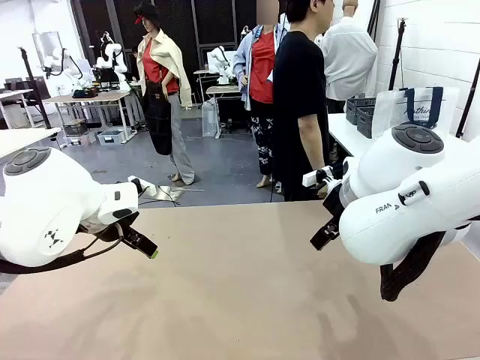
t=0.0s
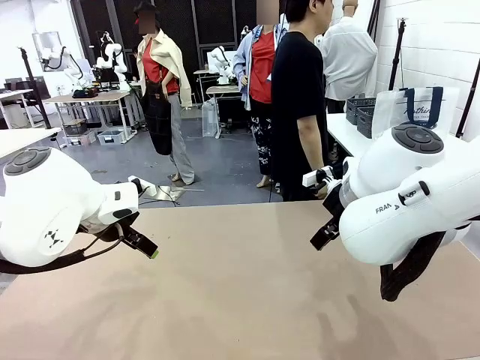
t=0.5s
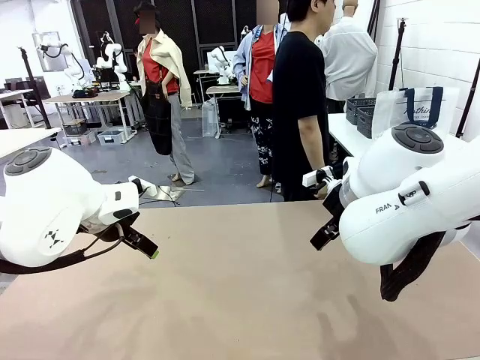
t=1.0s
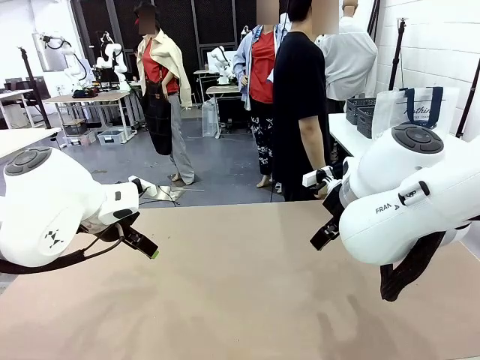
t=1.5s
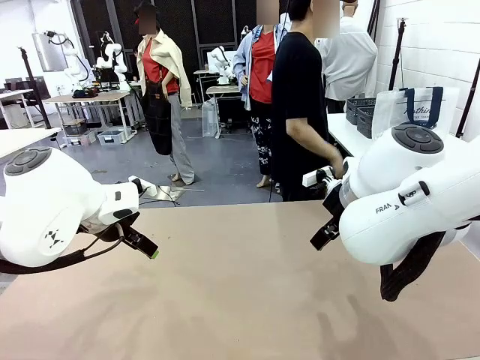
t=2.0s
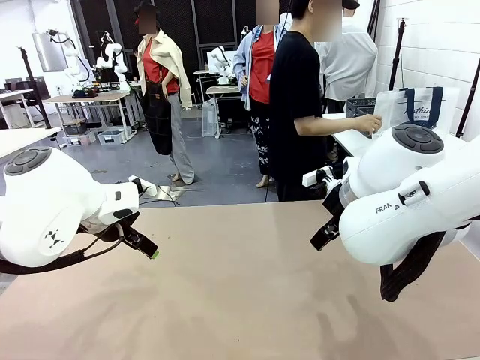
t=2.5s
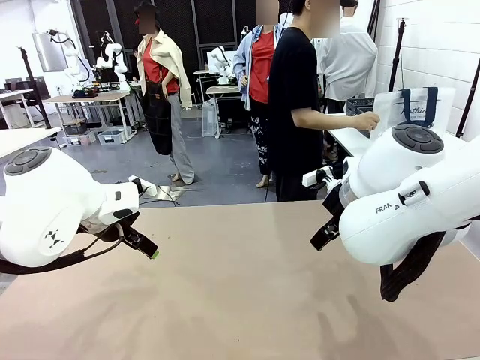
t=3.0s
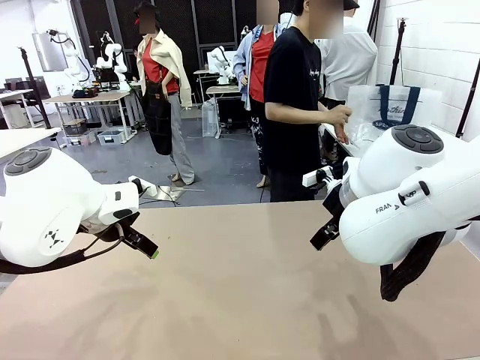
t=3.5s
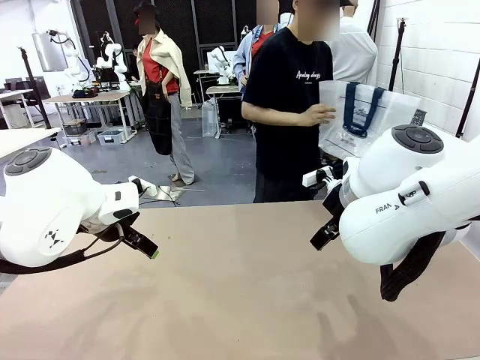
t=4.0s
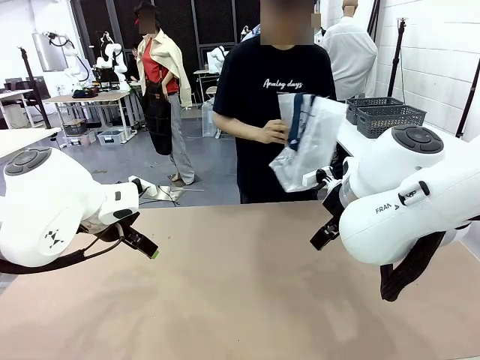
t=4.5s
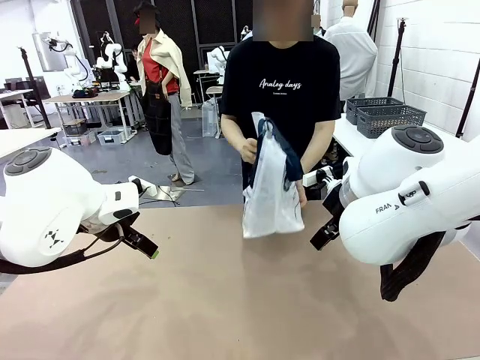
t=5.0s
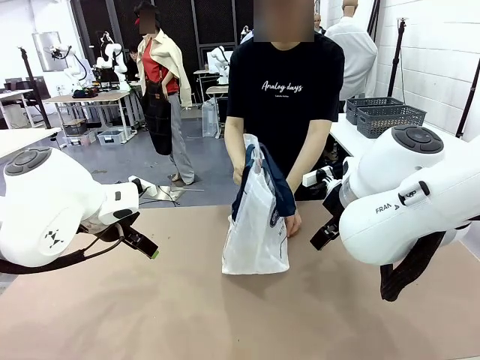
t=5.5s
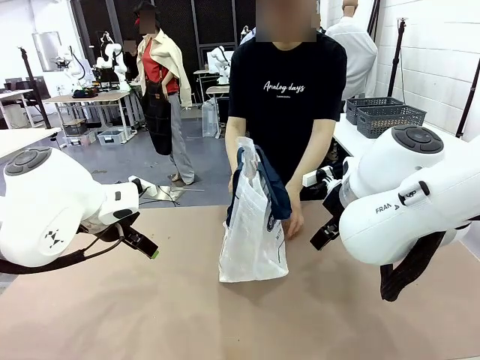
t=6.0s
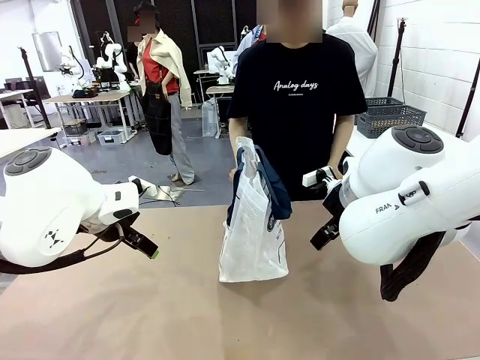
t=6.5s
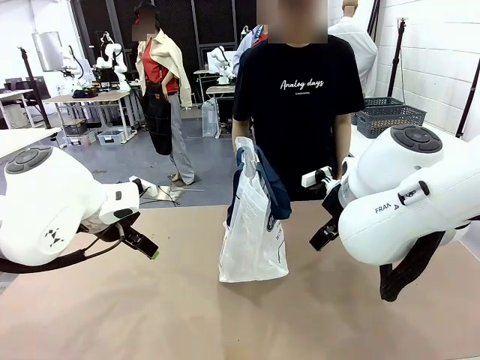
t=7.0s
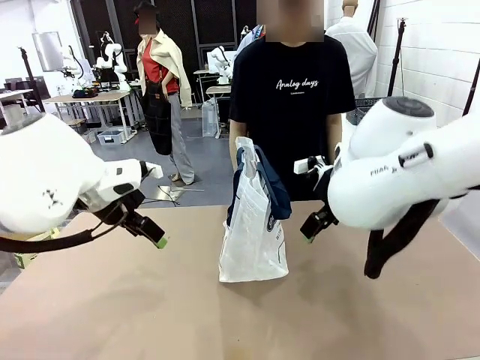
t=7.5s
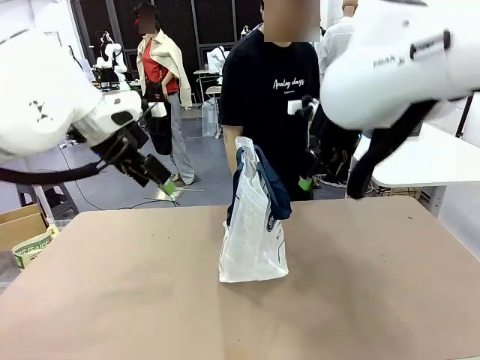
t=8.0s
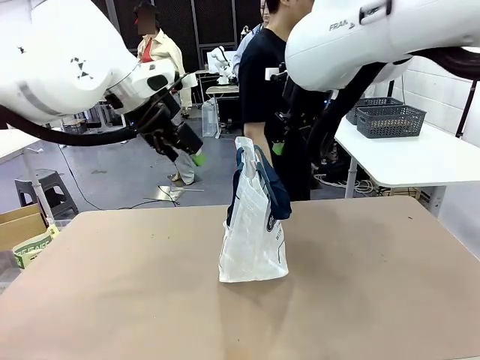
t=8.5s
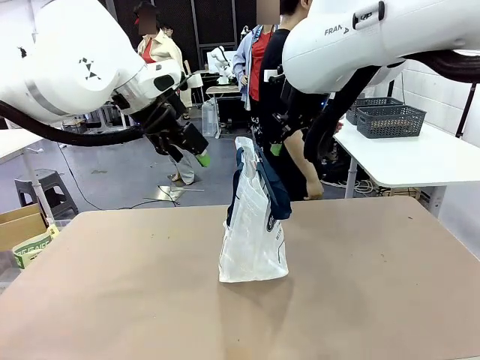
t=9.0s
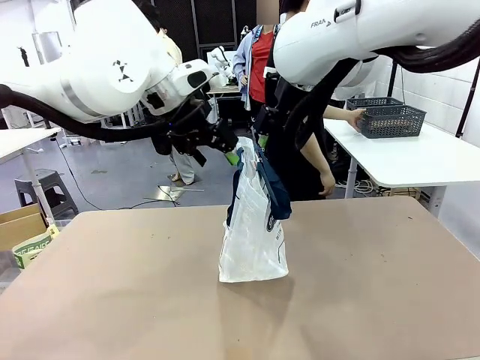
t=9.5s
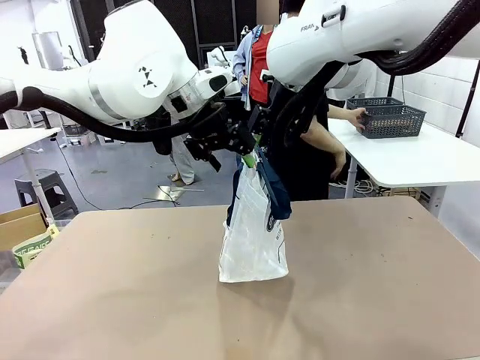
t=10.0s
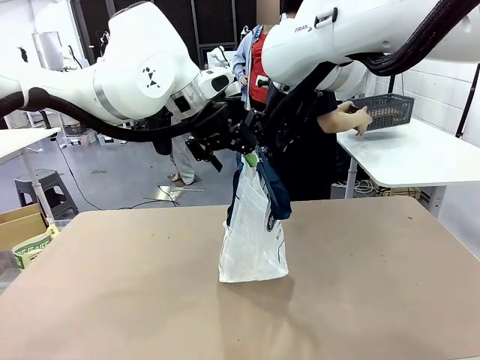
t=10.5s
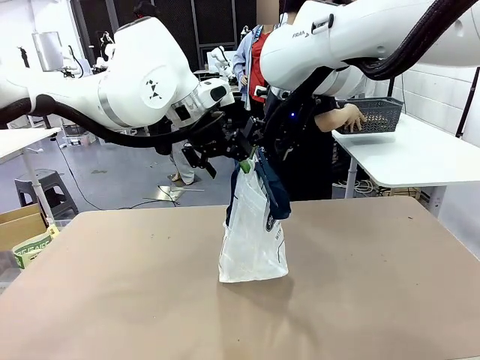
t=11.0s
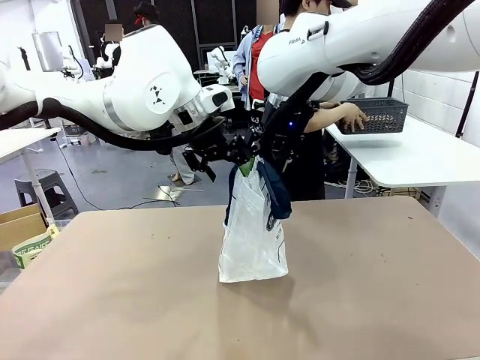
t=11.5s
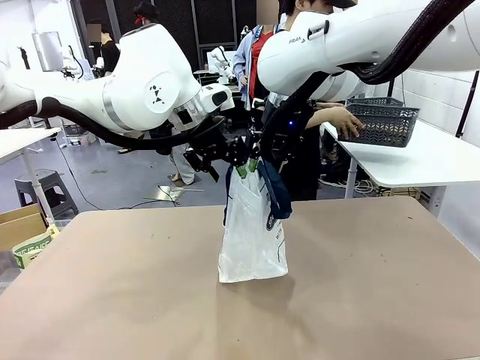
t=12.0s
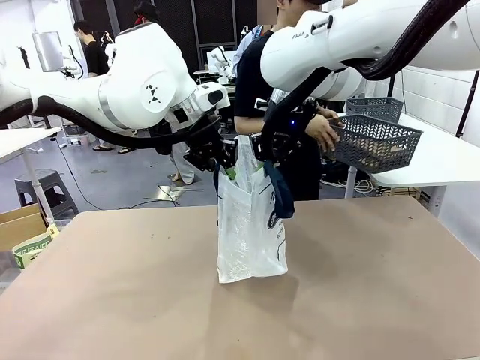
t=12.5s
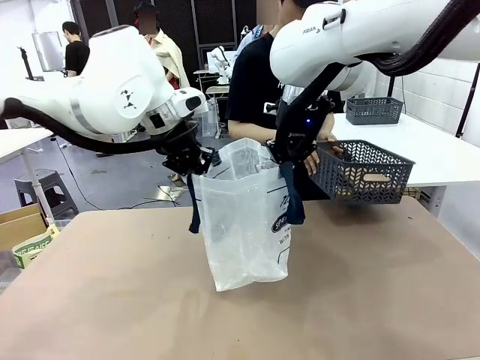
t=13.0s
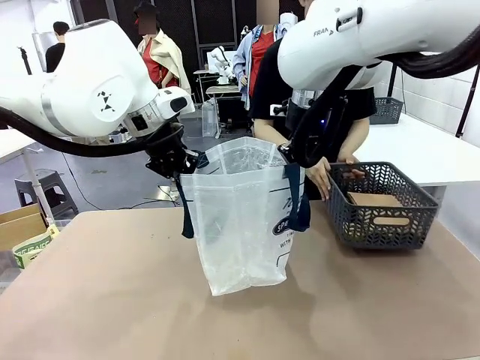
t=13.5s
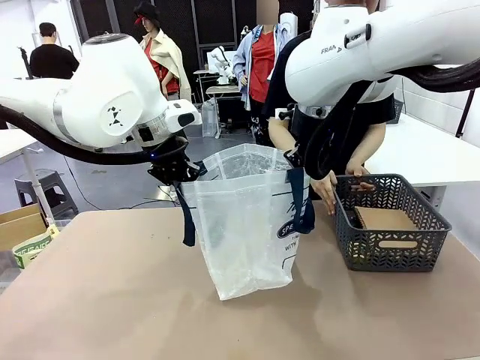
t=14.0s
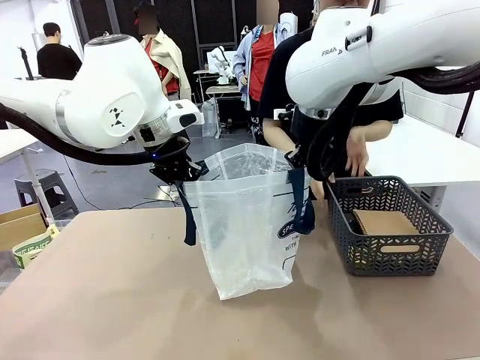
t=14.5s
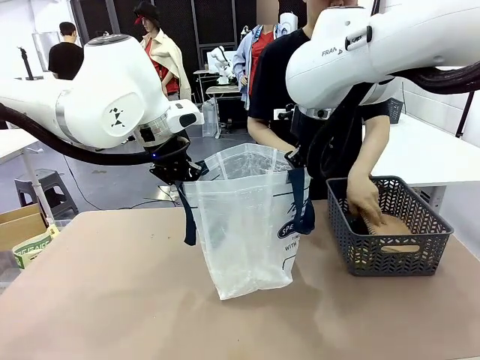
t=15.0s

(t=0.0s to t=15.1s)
Task: Transfer purchased items from the store into the shopping bag.
Robot: Open the Reusable shopping bag in the center of the table.
Person: Pick up the shopping bag and place it in the middle of the robot table.

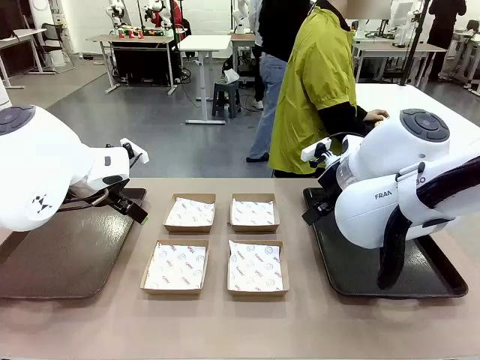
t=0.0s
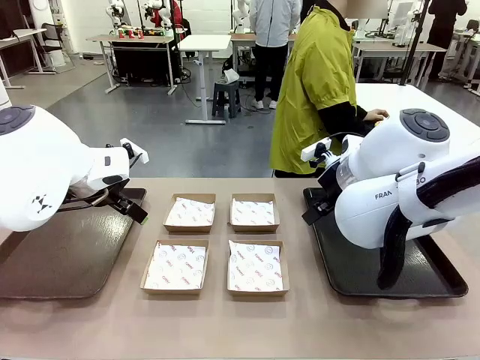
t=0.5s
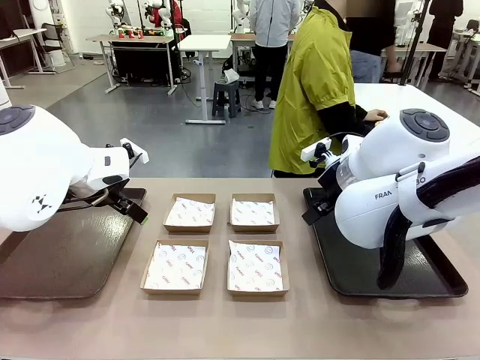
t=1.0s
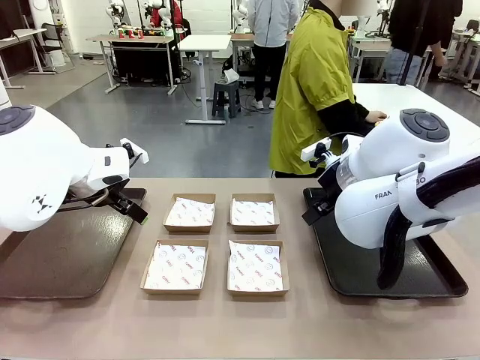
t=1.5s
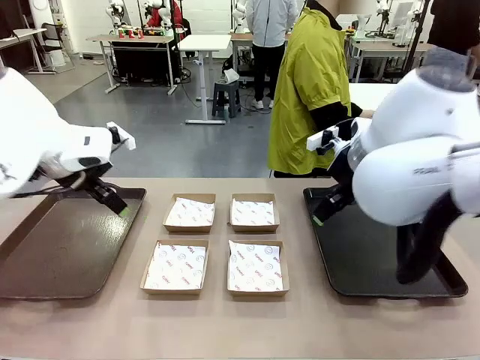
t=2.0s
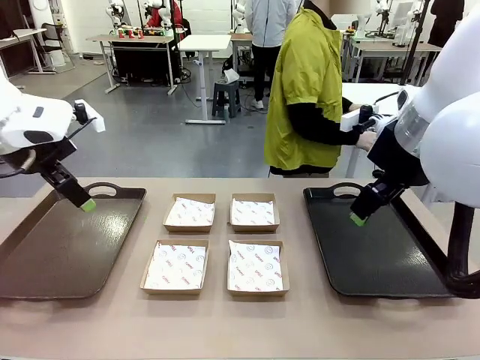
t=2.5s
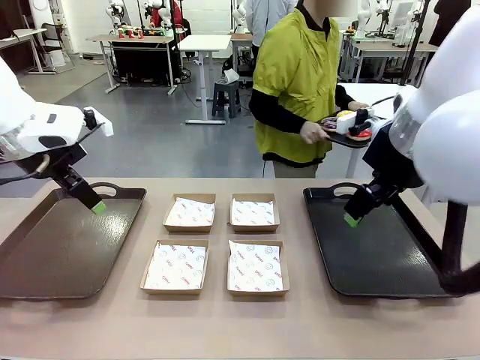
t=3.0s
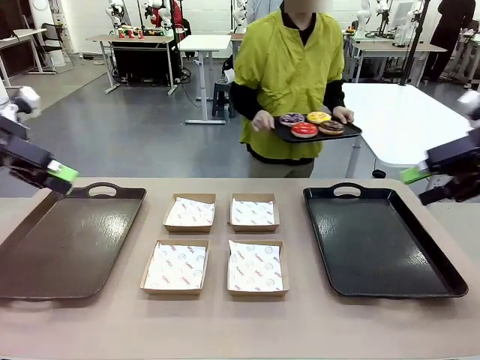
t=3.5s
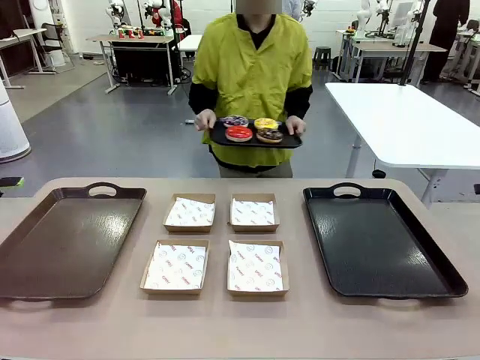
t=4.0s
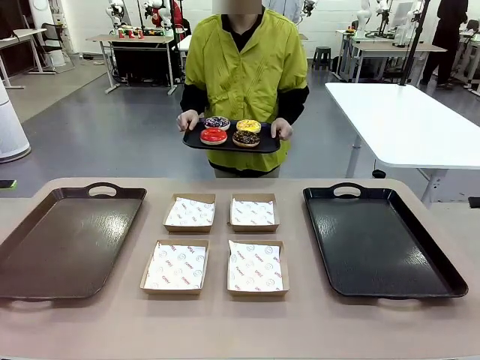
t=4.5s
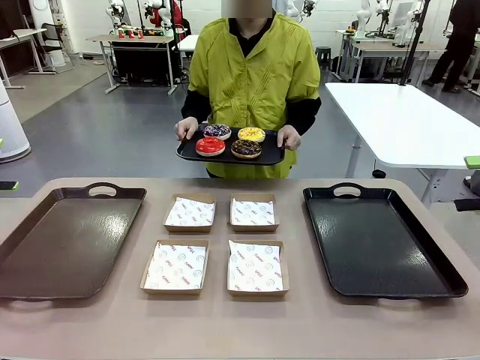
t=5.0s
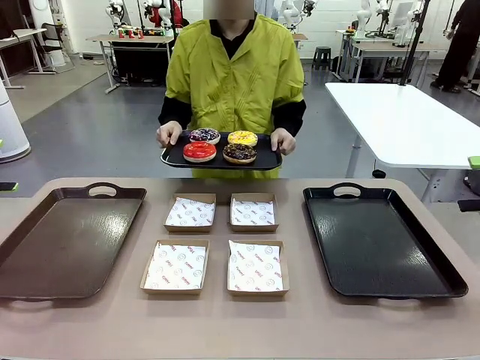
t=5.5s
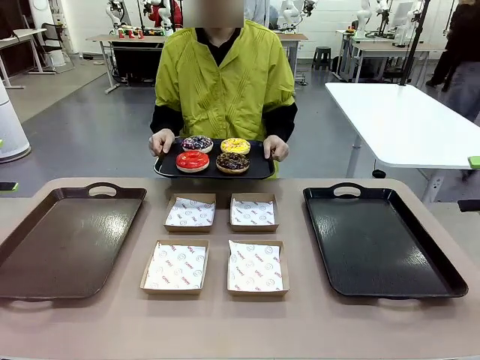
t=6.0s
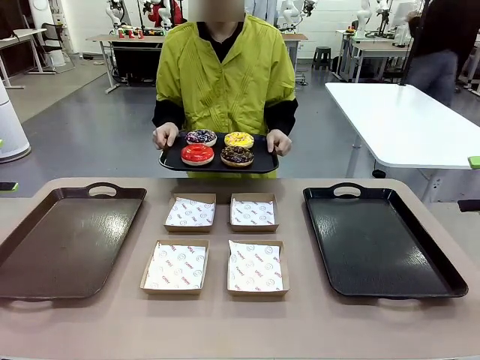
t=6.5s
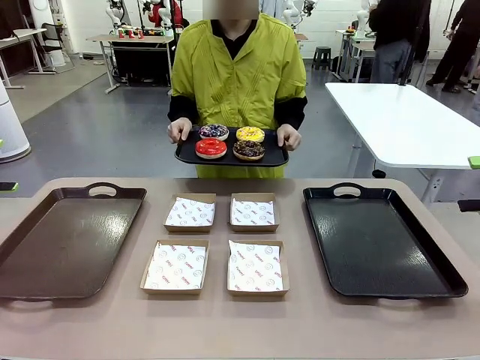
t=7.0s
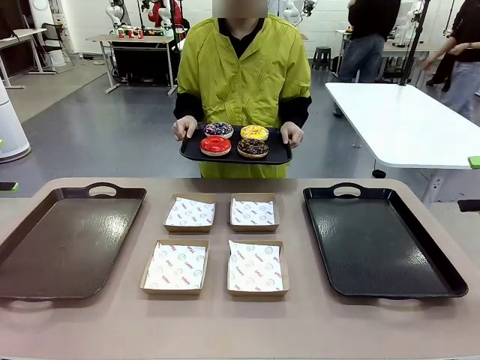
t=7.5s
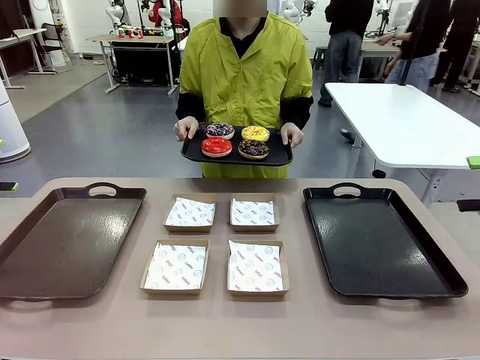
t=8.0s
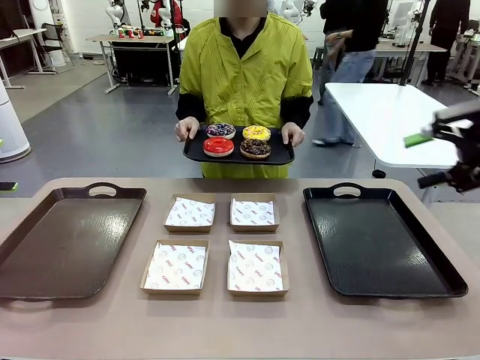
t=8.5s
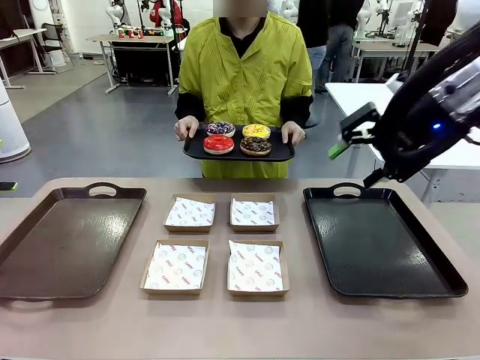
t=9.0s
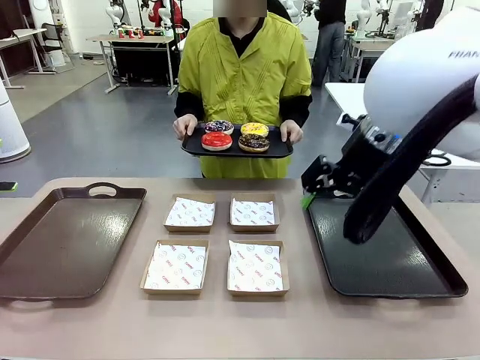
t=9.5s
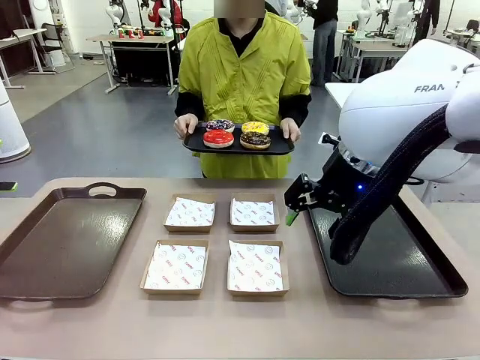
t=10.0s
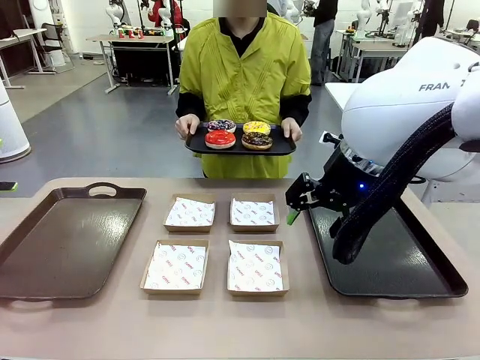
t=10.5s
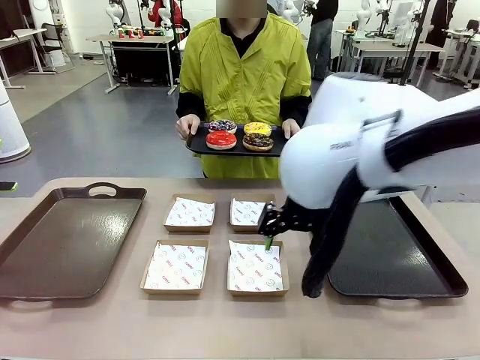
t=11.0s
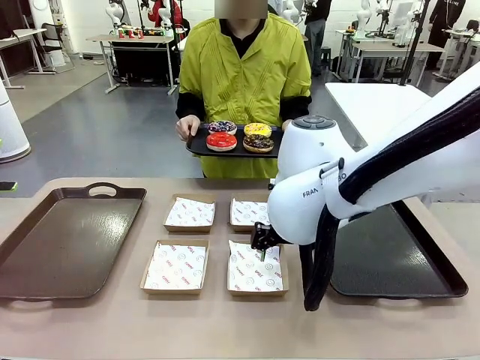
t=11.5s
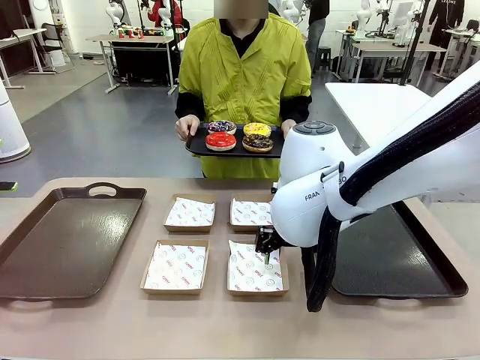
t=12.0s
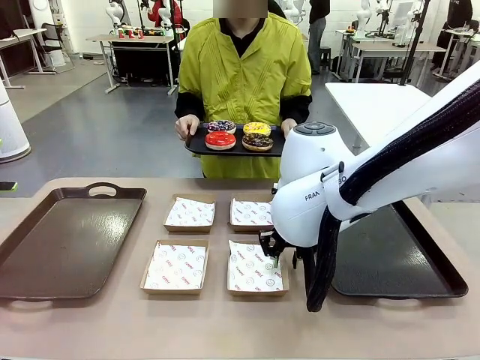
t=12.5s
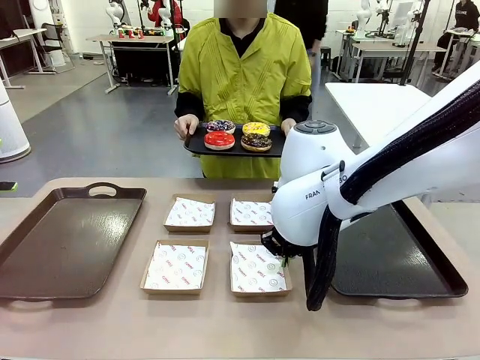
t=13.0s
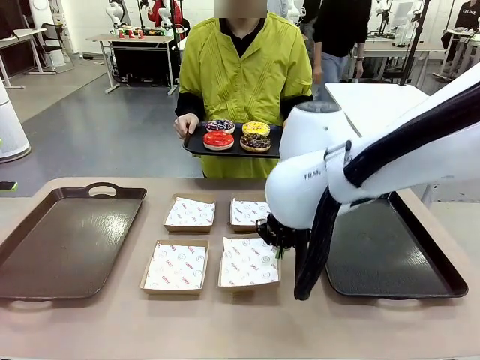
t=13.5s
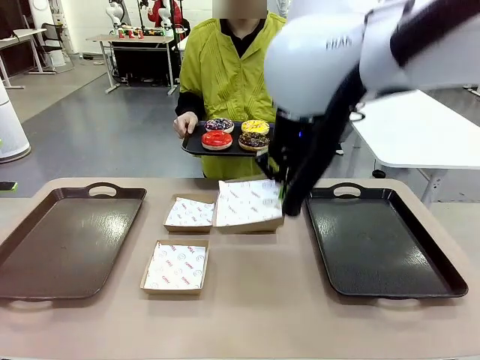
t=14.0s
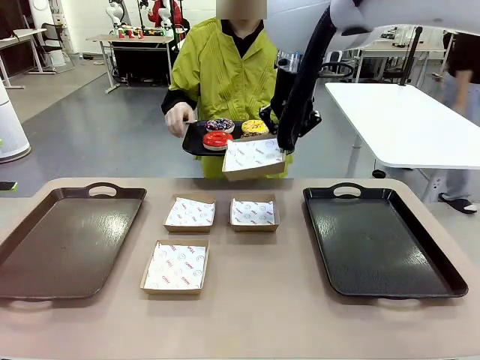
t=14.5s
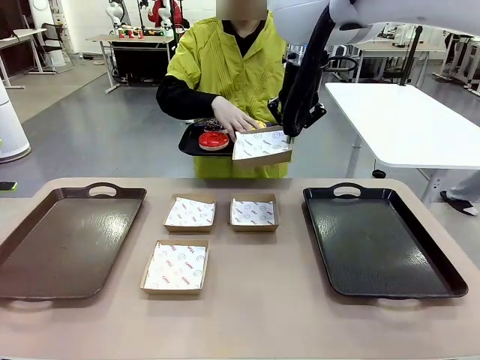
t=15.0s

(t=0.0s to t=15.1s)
Task: Individually package the donuts and arrange them on the tray.
Robot: Pick up one Paper togo box.
Person: Stand in front of the robot table holding the tray containing the donuts.
